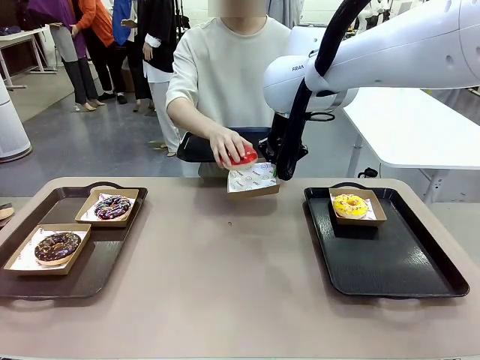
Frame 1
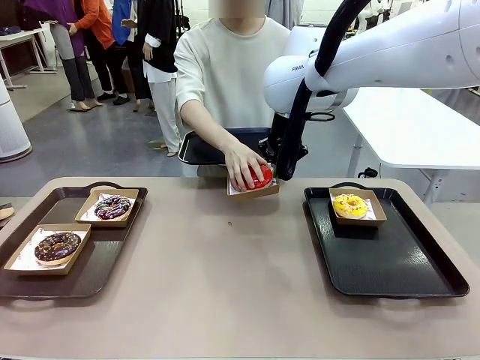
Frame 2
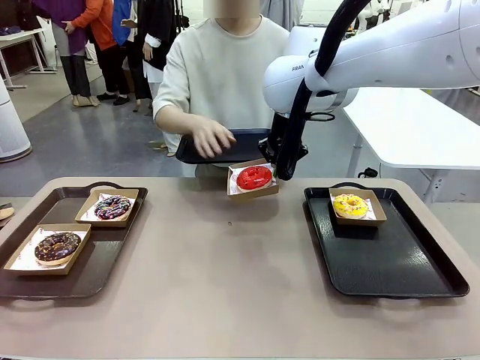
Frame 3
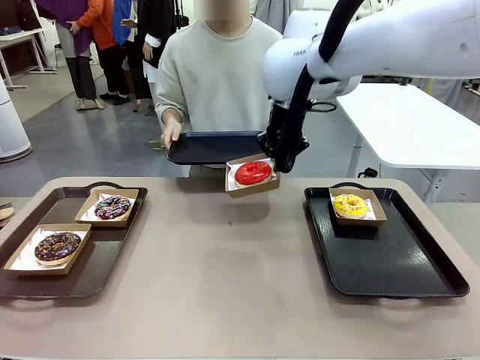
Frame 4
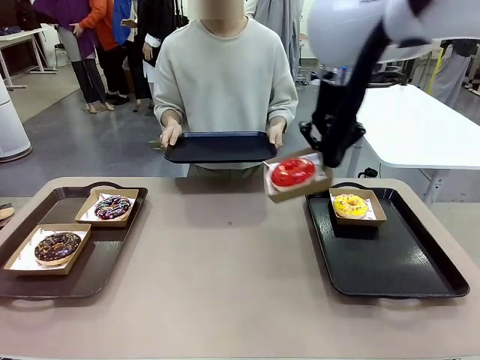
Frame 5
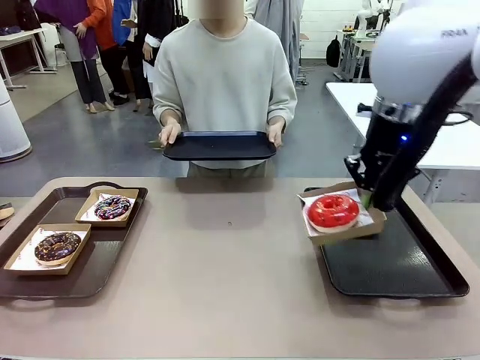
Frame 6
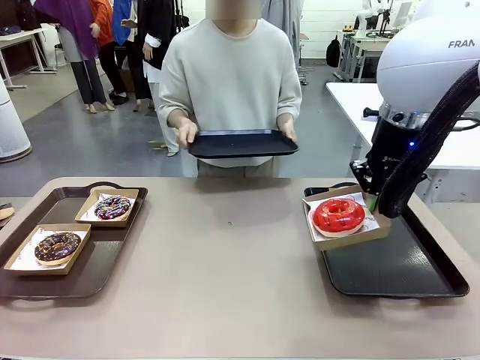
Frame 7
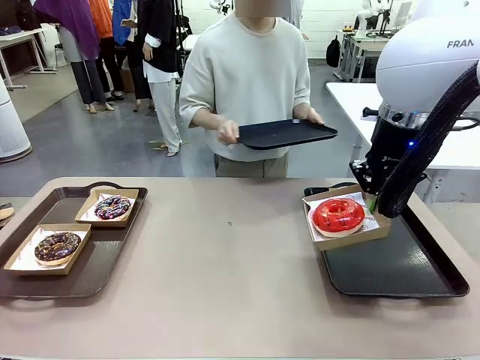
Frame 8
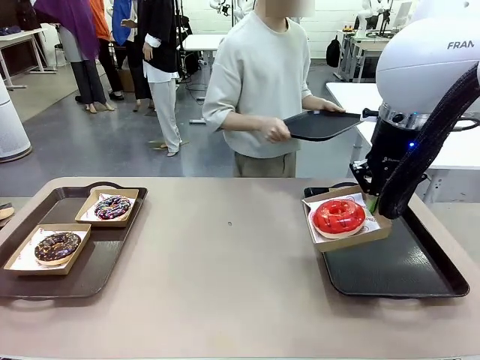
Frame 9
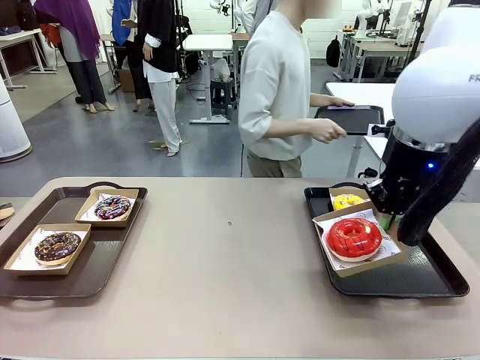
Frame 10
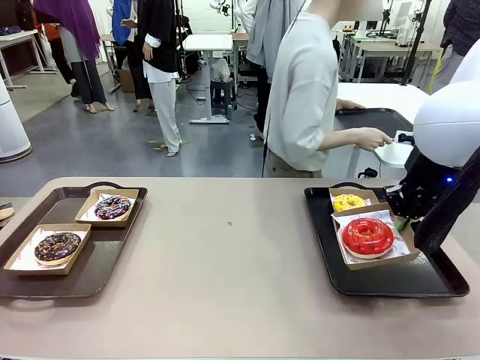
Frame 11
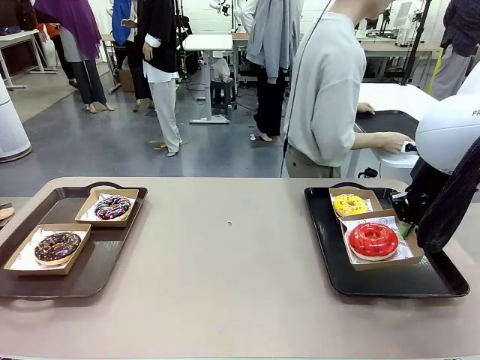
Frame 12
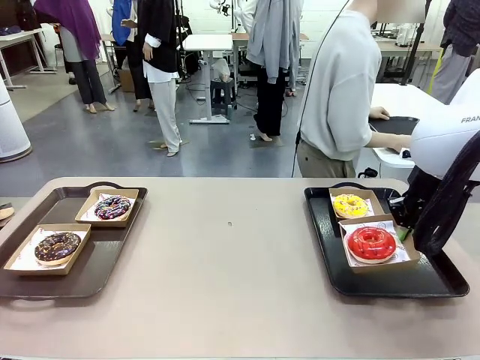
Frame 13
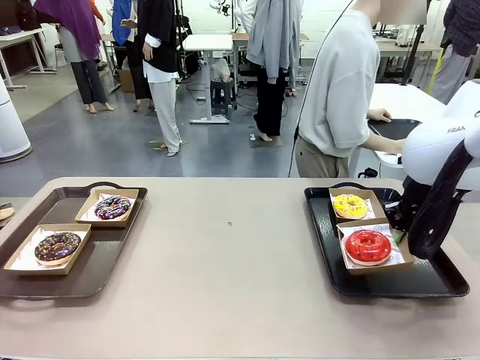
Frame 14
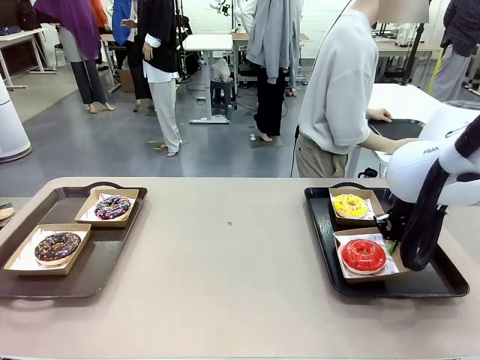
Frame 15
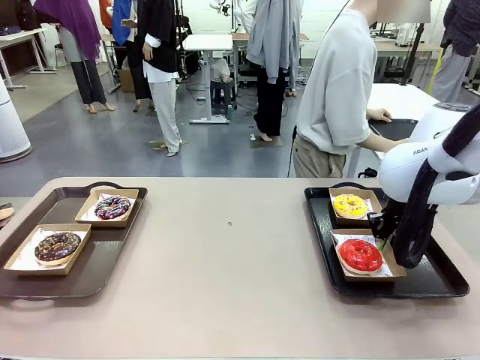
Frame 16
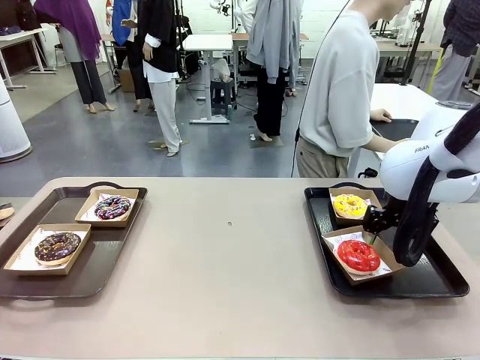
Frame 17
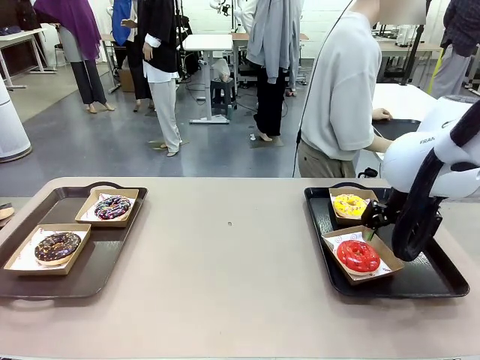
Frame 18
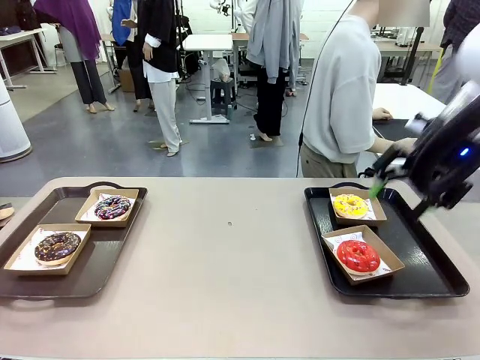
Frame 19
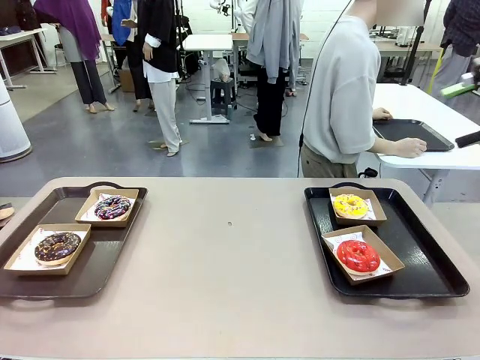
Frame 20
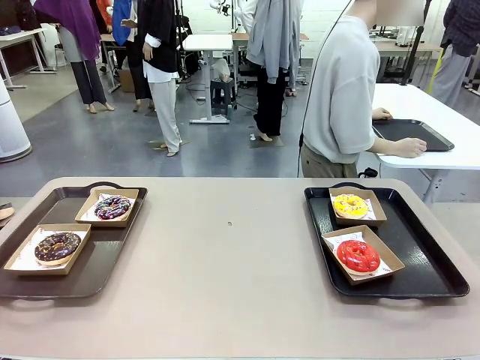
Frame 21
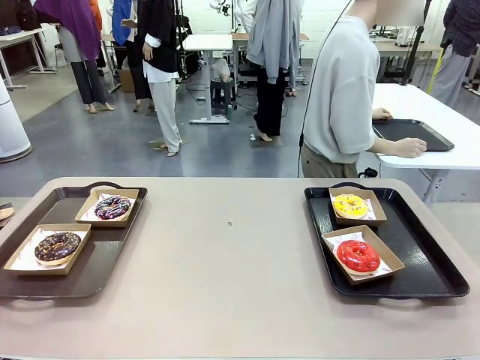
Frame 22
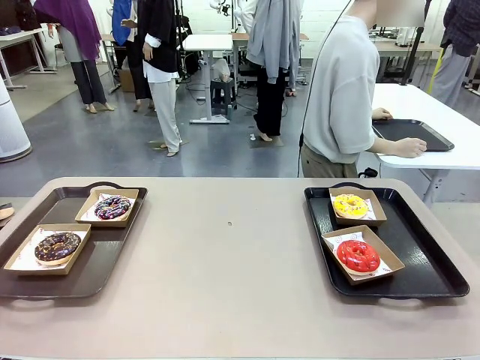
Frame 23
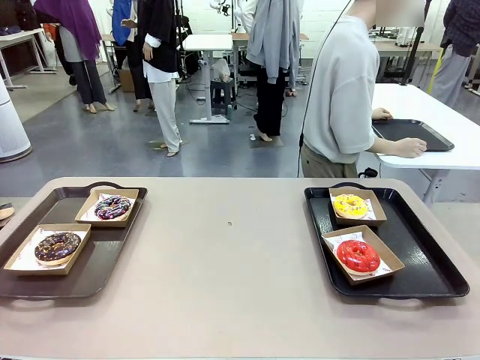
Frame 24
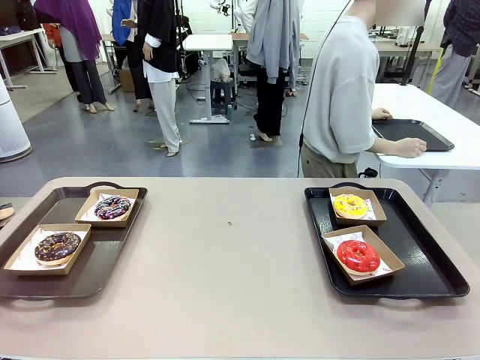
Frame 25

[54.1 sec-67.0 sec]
Task: Individually package the donuts and arrange them on the tray.
Robot: Place the picked Paper togo box on the Handle tray.
Person: Place the tray down in the middle of the human table.

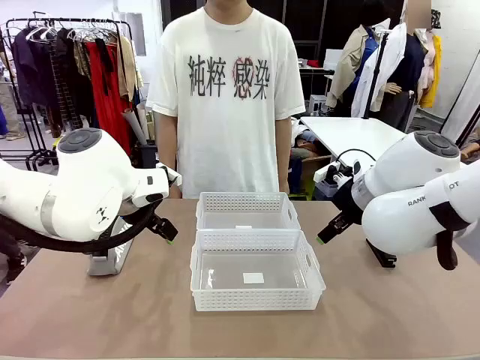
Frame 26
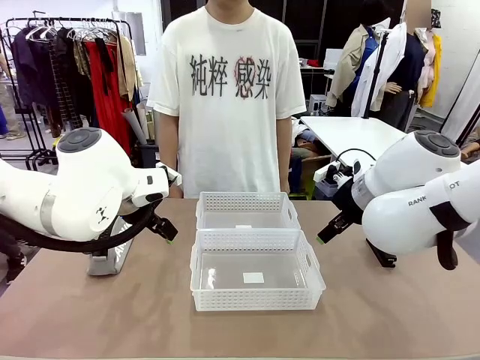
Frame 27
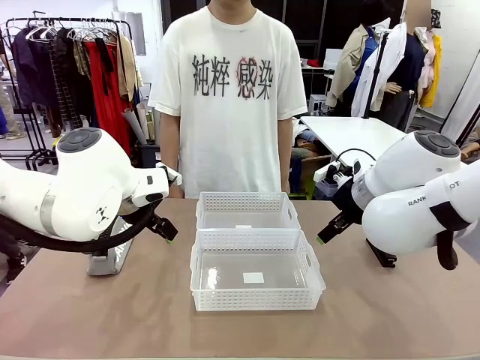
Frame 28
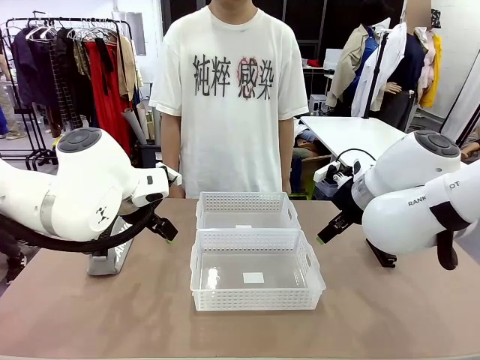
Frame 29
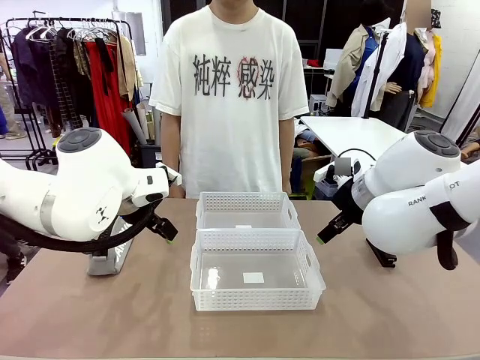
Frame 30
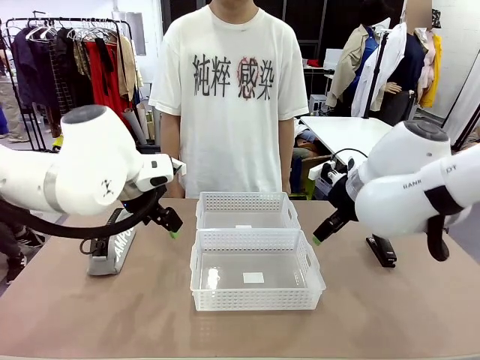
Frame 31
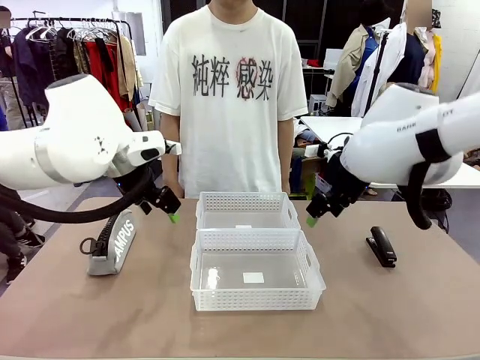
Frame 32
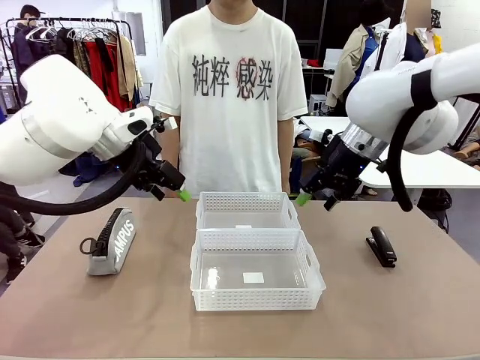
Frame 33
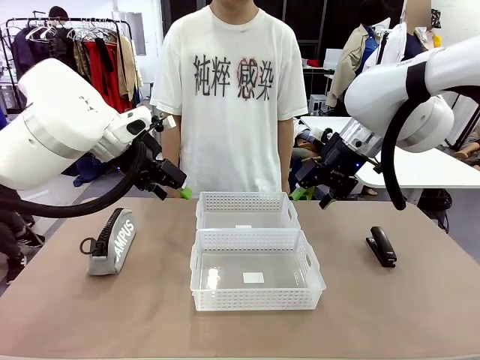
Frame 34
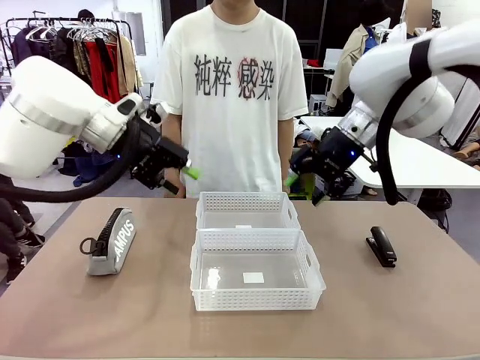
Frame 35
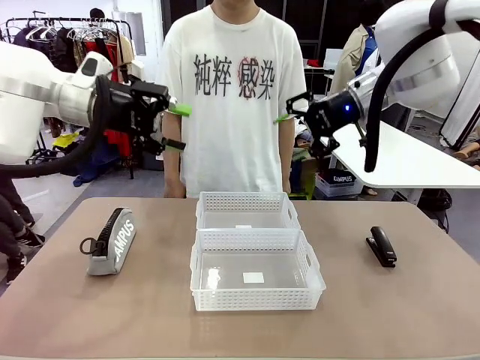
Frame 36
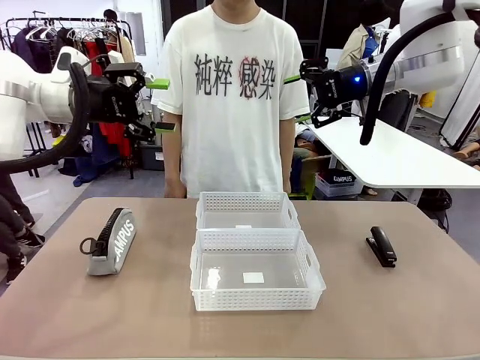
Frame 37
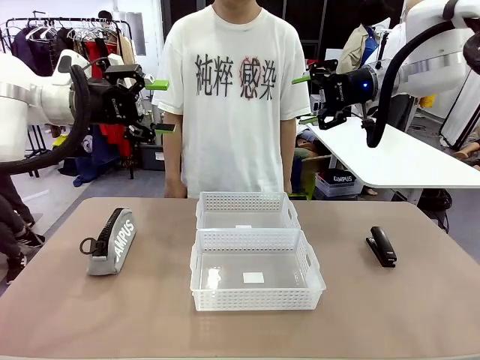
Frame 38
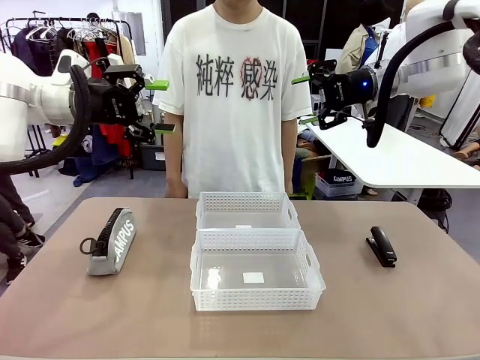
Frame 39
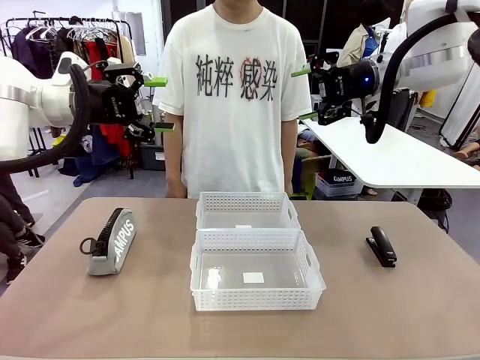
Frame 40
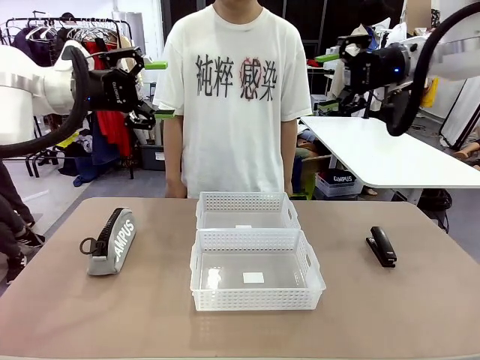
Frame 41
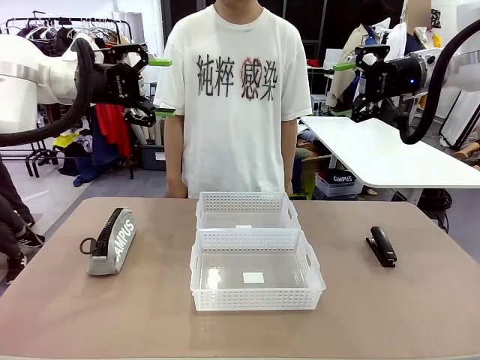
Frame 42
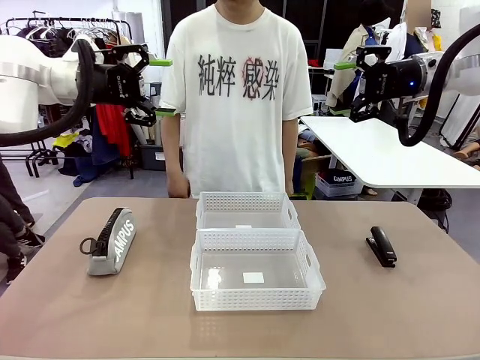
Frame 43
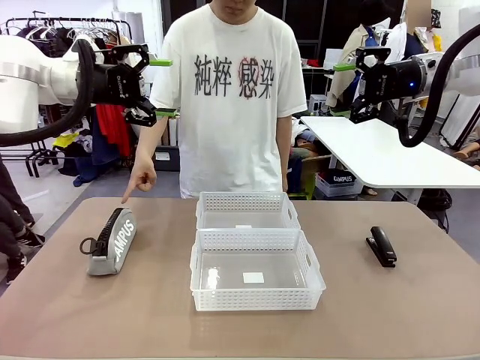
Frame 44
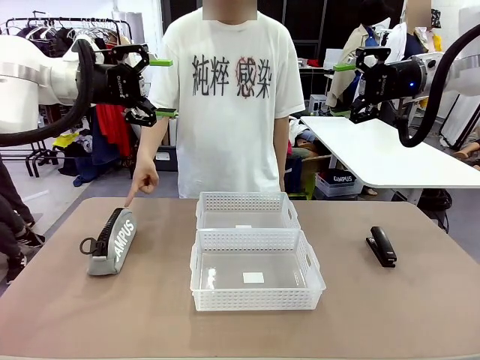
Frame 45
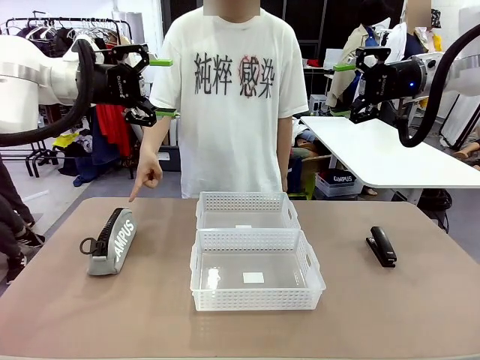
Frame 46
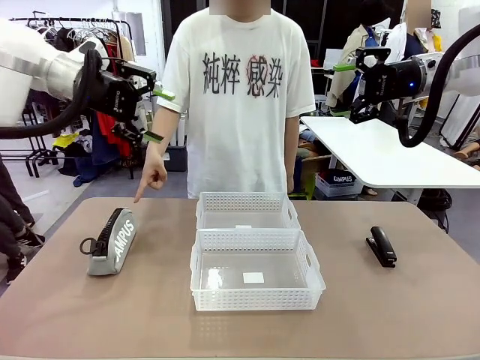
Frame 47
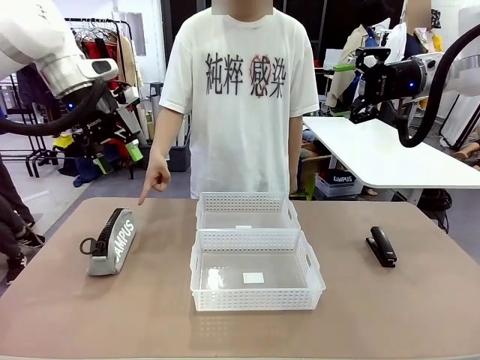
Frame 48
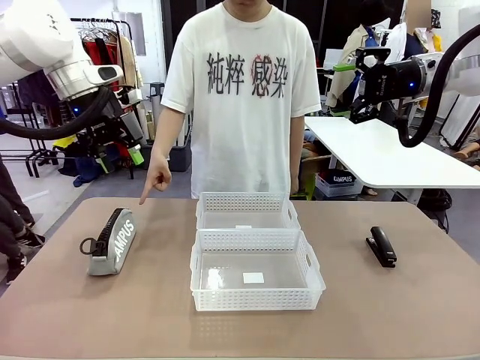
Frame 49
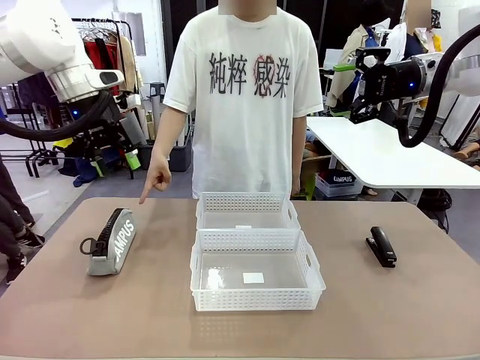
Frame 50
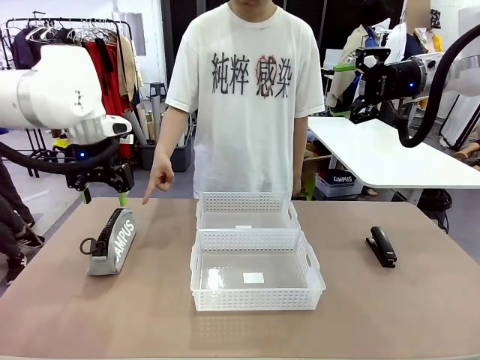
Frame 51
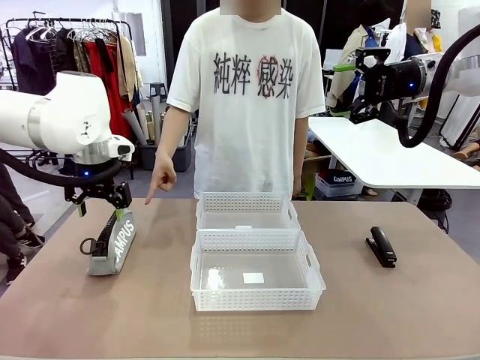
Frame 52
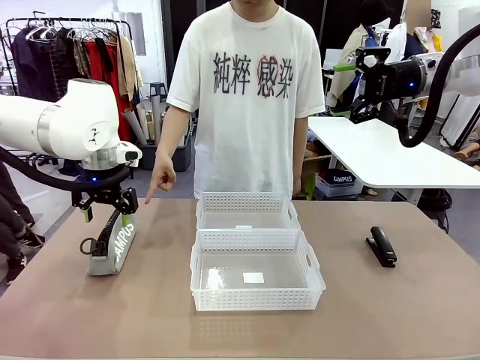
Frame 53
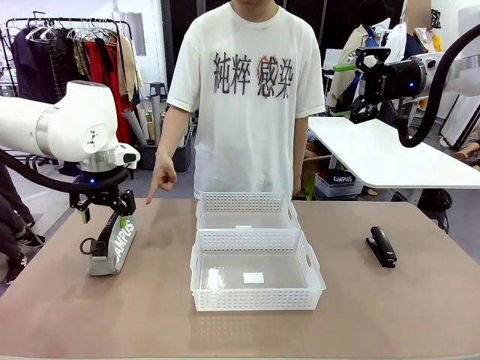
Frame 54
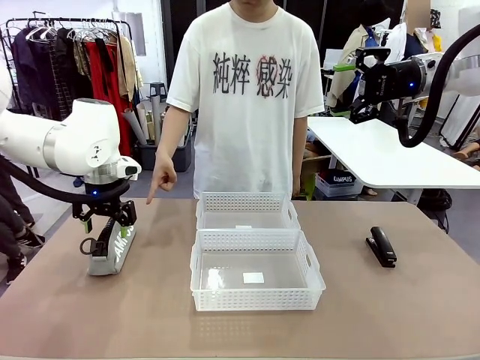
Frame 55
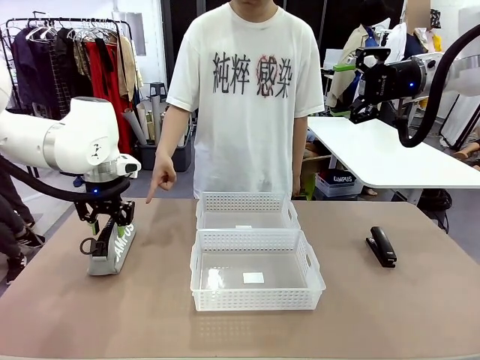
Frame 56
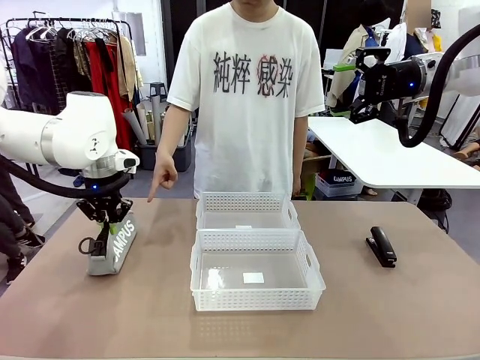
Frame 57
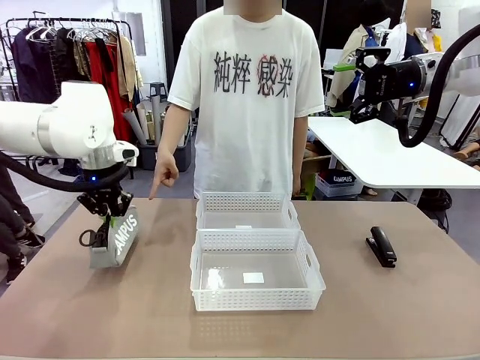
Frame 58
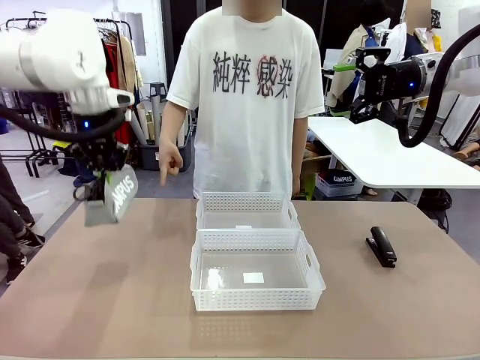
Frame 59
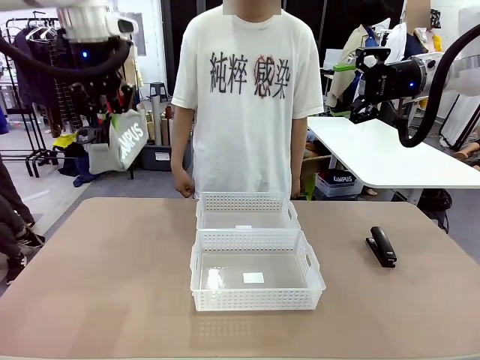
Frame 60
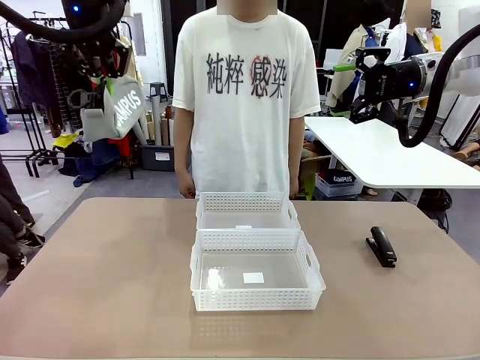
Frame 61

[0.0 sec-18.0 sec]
Task: Distribute items into two baskets.
Robot: Pick up the Pencil pouch that the person points to.
Person: Points to the pencil case. Points between the two organizing baskets and instructs the robot to move the pencil case.
